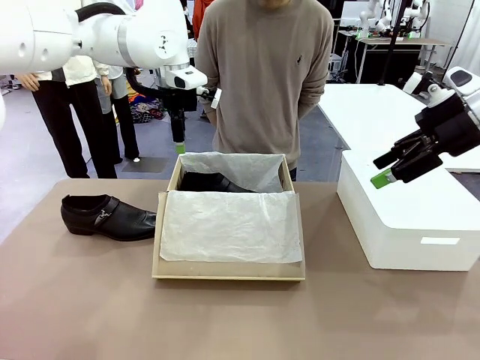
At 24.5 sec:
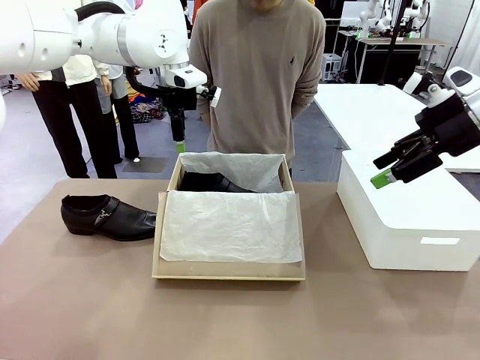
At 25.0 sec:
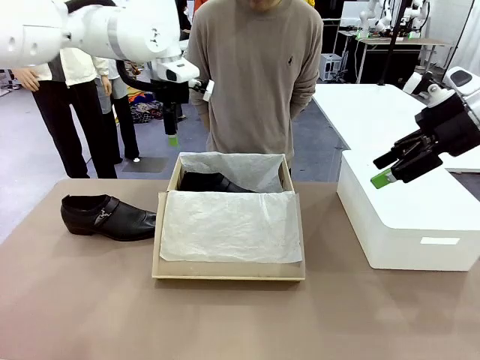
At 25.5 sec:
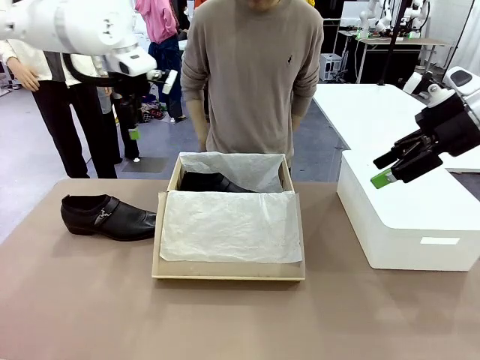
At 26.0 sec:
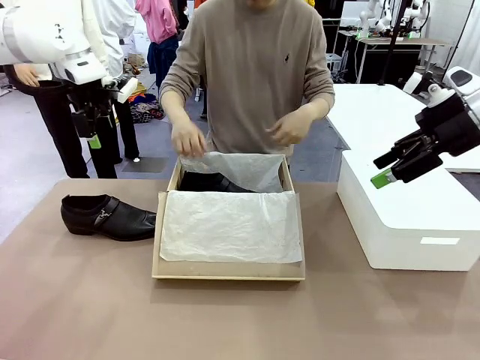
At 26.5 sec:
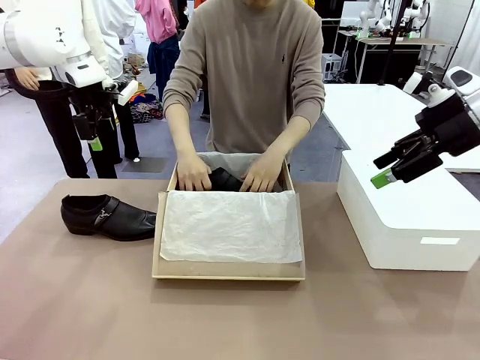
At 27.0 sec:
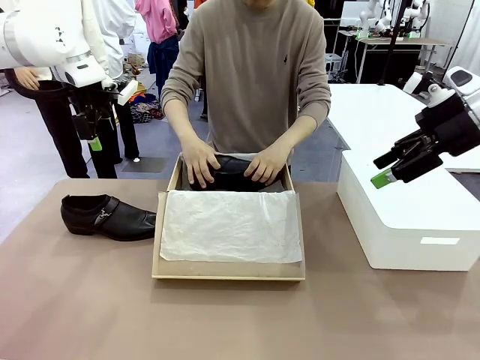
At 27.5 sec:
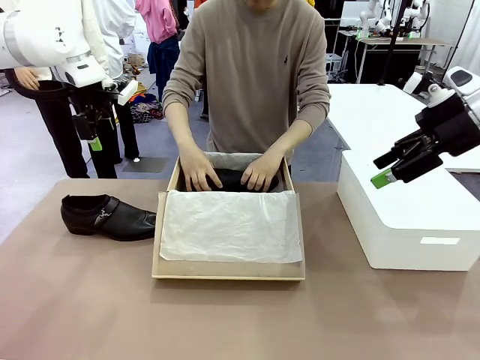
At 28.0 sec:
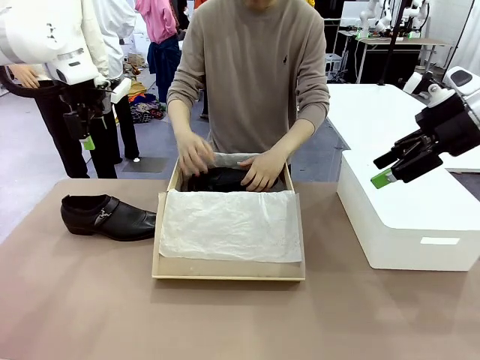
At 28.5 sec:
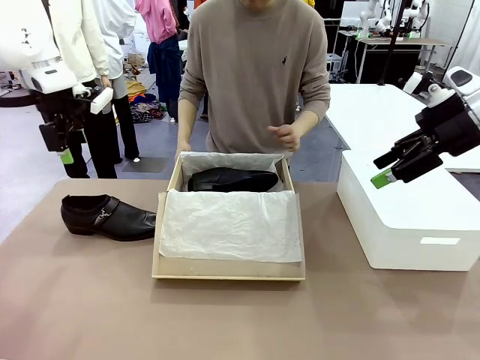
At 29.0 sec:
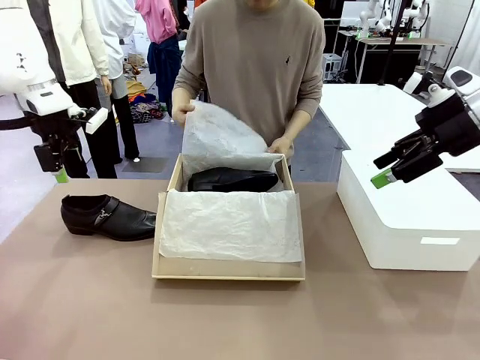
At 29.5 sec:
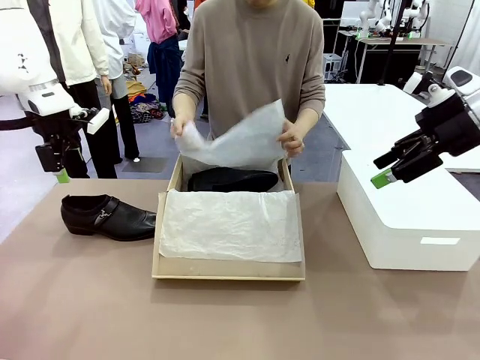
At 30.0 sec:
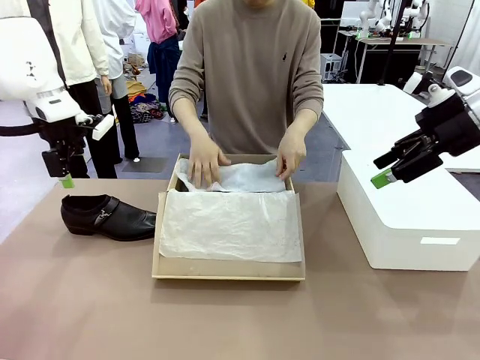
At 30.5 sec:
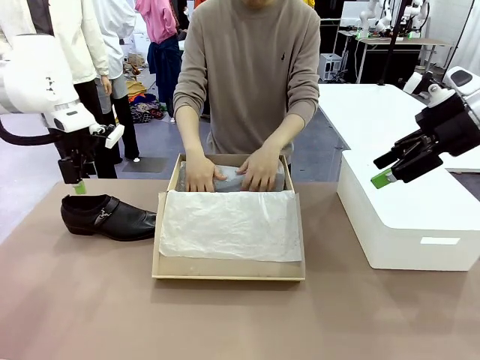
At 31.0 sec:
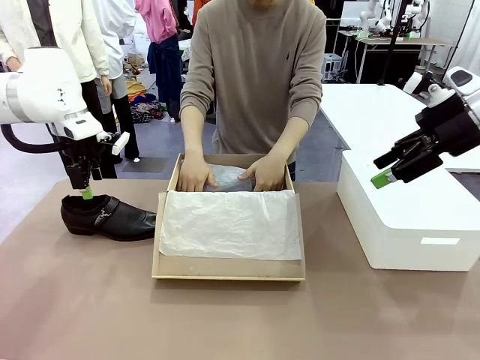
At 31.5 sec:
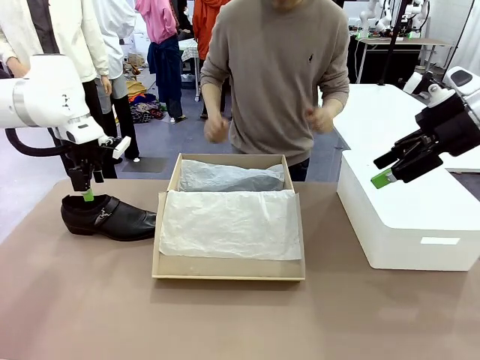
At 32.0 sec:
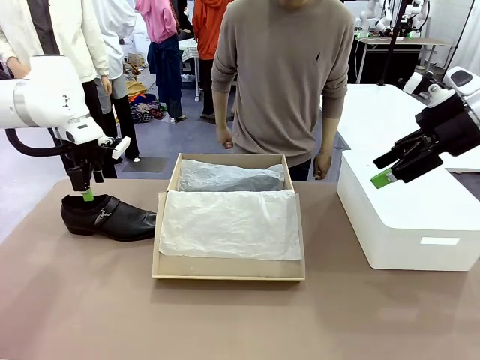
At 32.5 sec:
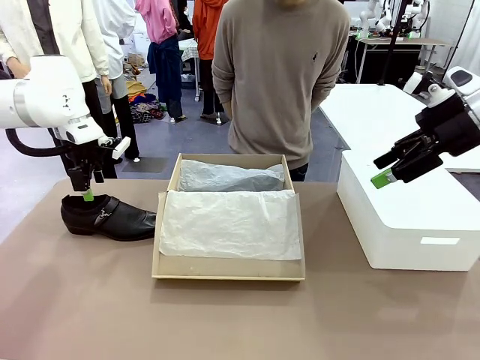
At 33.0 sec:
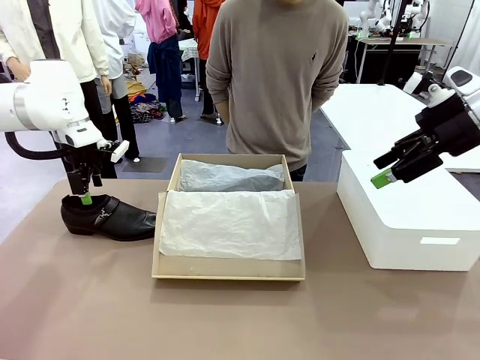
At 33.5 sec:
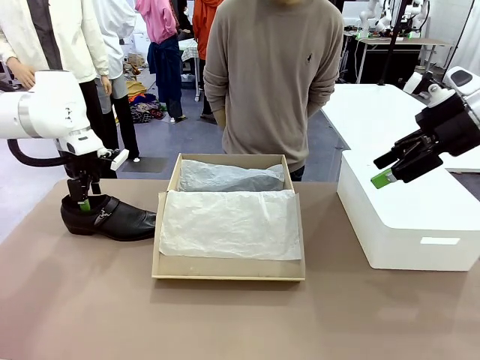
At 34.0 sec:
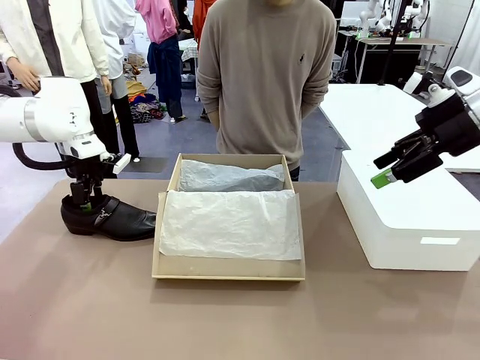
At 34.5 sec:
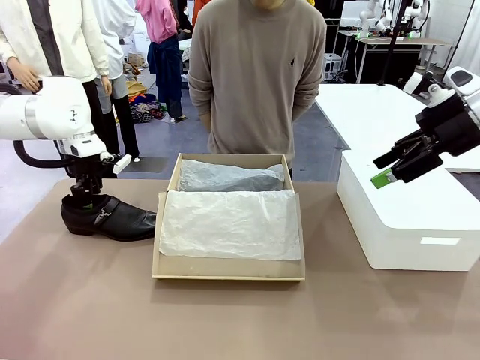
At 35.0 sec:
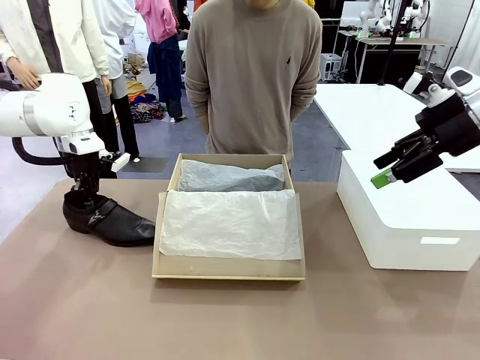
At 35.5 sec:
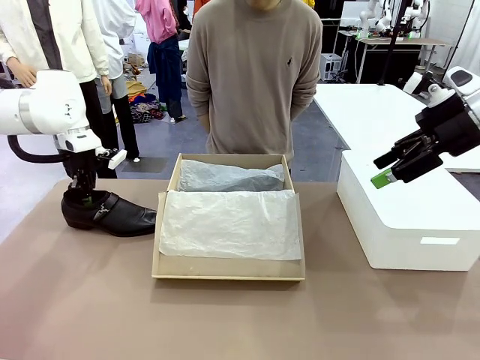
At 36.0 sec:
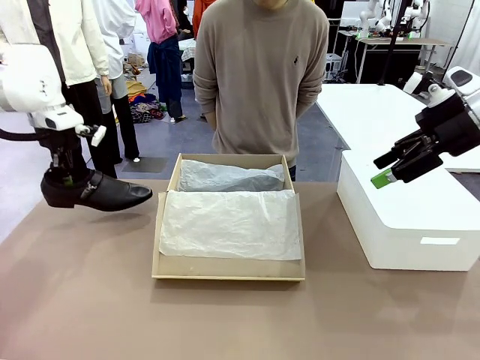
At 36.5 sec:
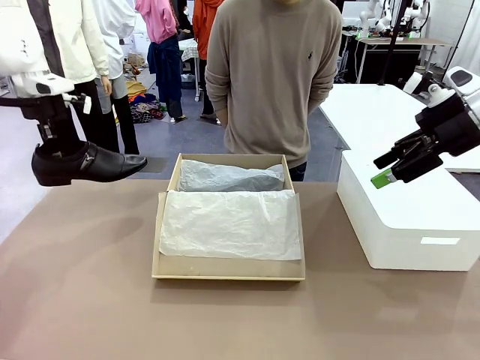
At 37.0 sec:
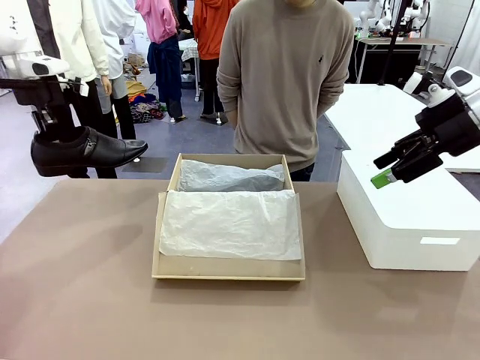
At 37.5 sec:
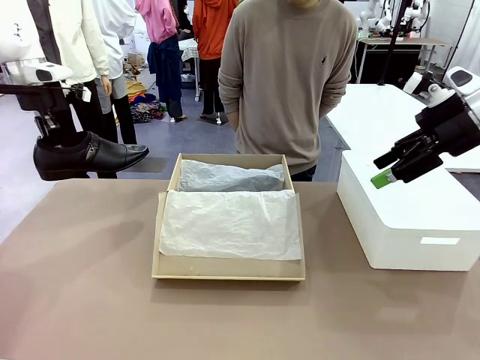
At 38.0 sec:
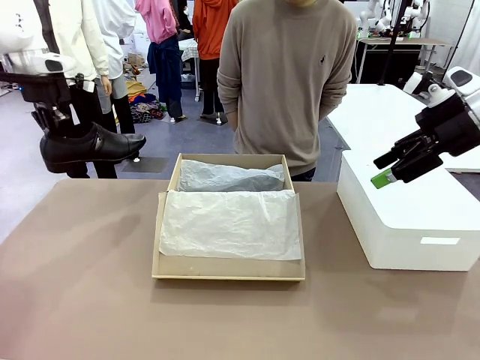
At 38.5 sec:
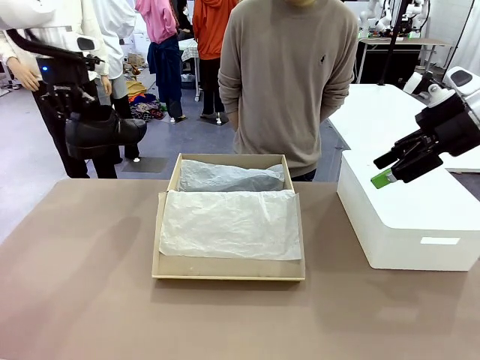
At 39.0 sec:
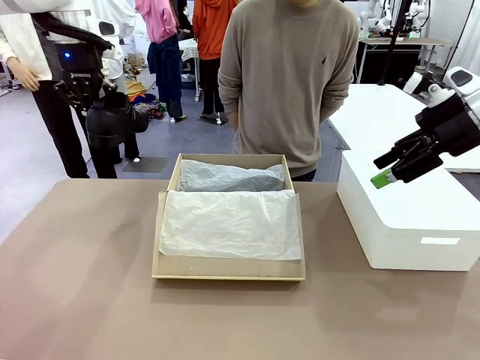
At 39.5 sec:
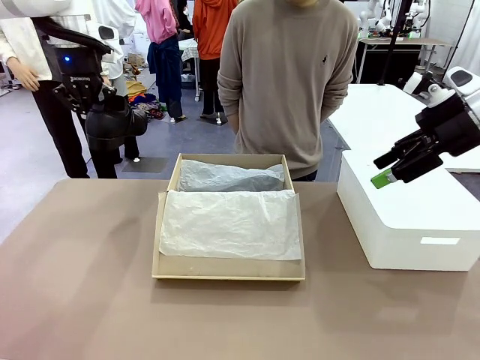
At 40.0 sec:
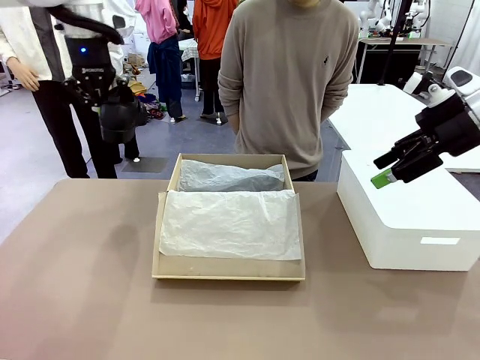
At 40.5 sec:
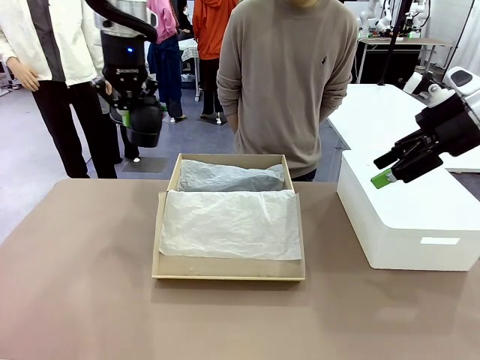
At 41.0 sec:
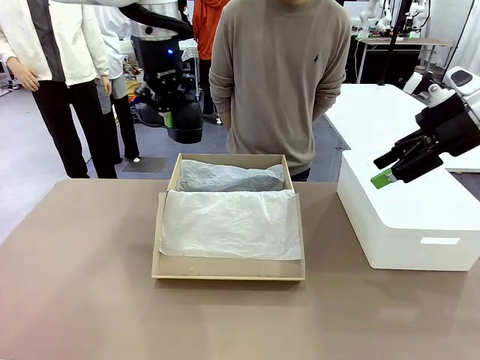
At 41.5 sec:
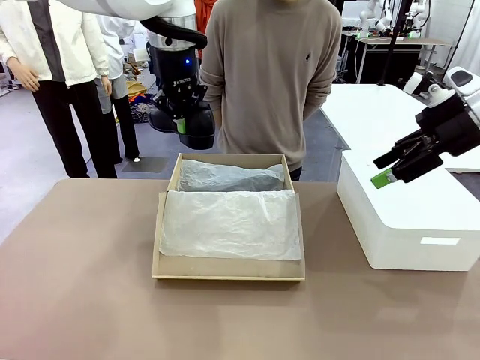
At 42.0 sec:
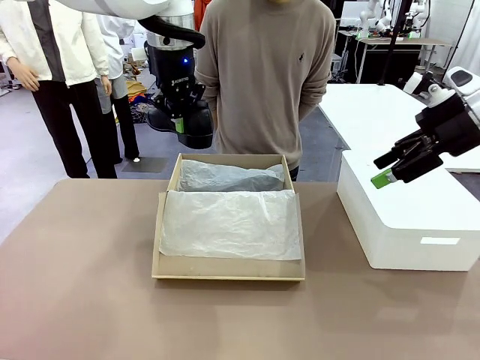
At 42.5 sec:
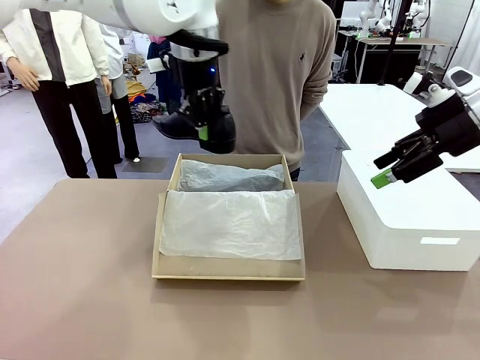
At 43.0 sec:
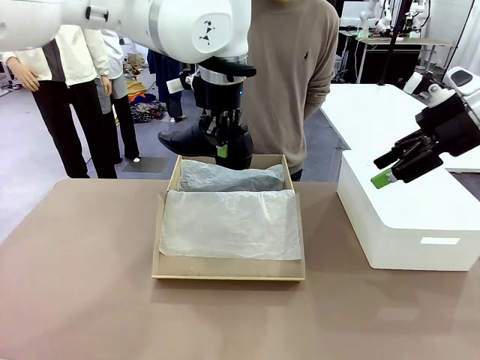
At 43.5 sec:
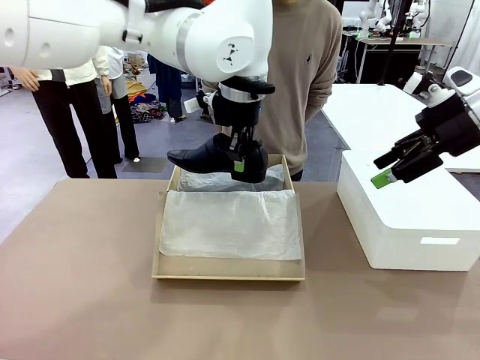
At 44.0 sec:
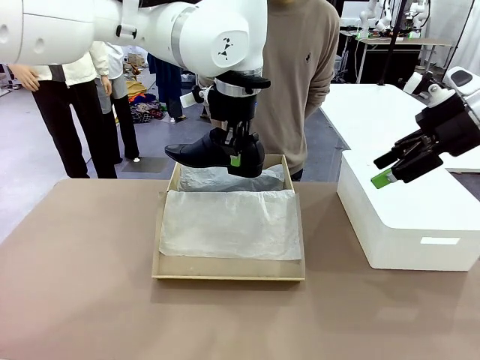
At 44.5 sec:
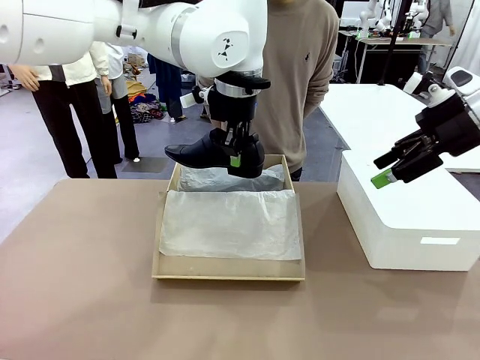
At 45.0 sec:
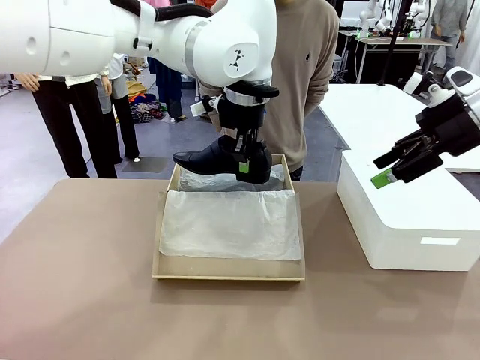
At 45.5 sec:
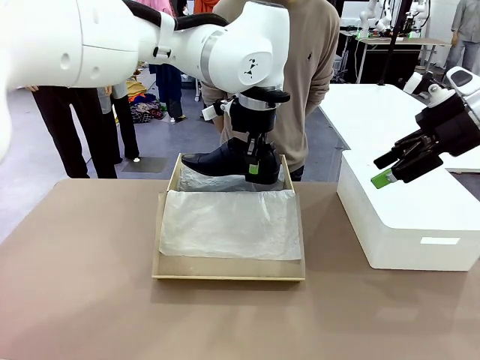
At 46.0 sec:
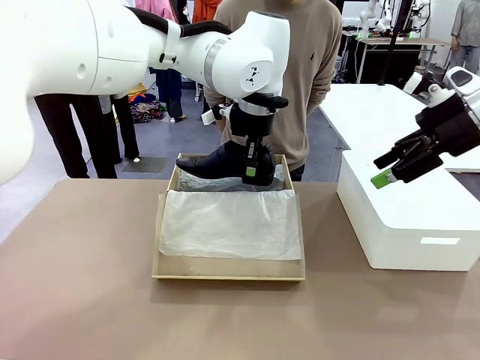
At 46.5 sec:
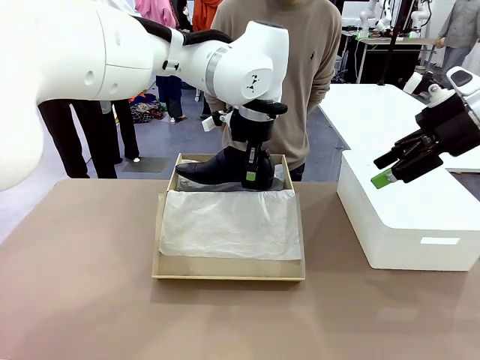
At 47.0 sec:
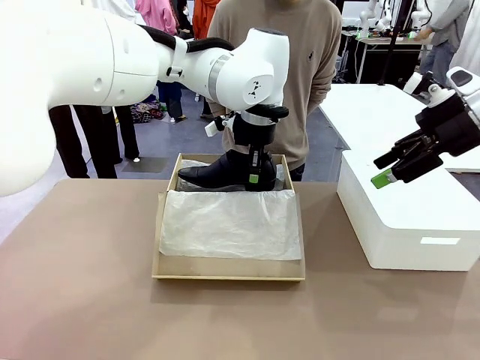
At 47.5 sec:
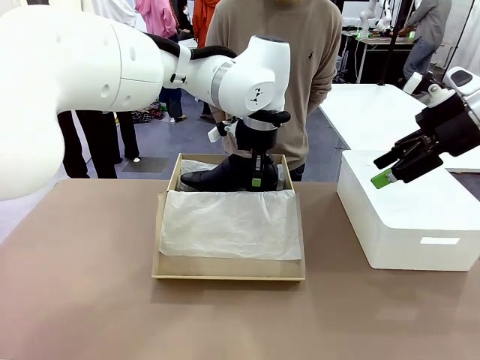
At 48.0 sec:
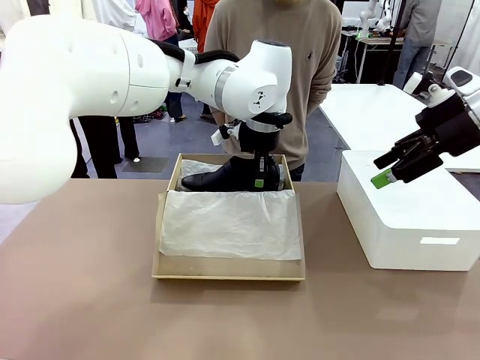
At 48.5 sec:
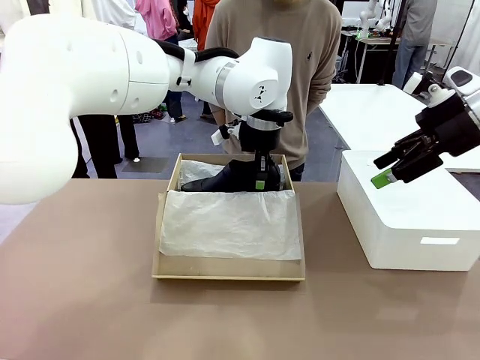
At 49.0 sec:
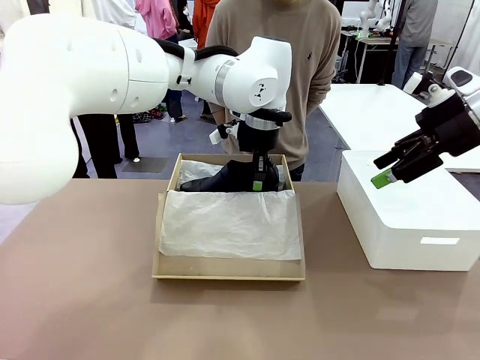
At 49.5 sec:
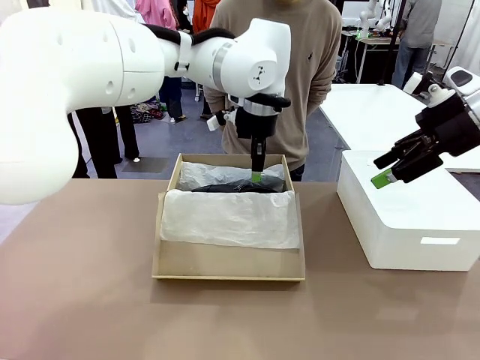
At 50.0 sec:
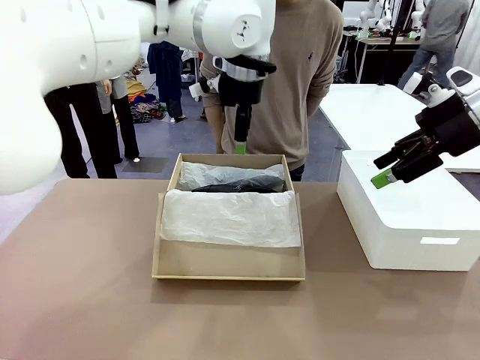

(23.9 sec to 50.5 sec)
Task: Pack the shoes into the box.
Robot: Place the other shoe of the Shoes into the Shoes Box.
Person: Pack a shoe of Shoes inside the Shoes Box with Shoes Wrapping Paper.
